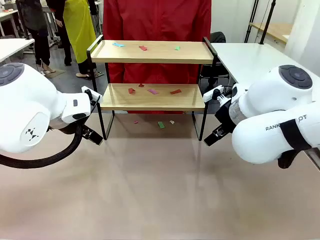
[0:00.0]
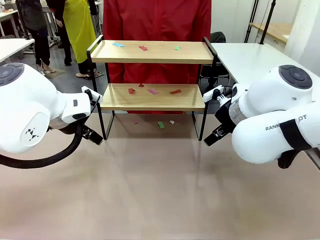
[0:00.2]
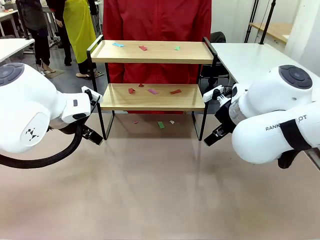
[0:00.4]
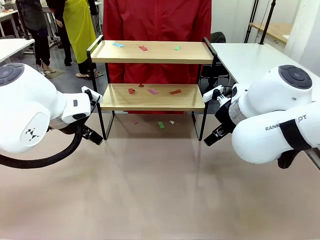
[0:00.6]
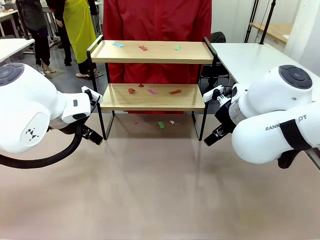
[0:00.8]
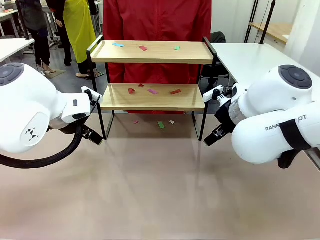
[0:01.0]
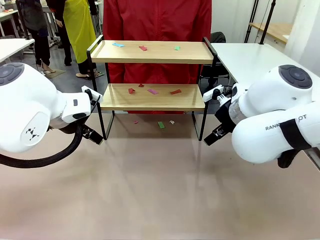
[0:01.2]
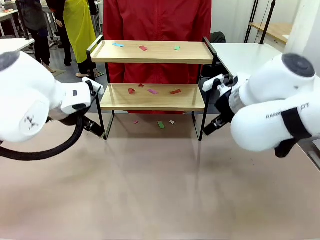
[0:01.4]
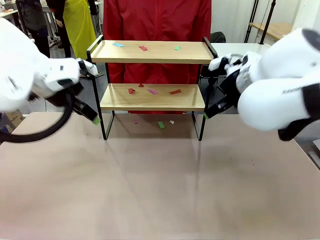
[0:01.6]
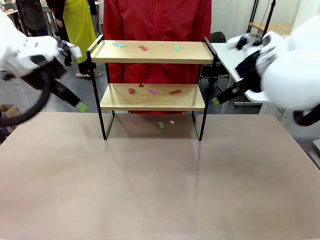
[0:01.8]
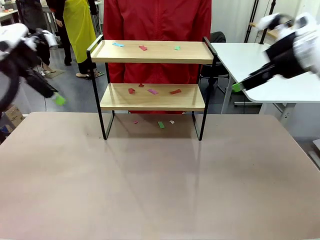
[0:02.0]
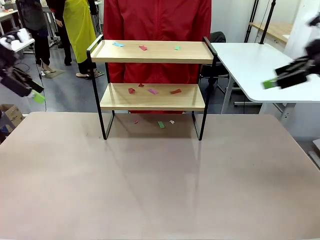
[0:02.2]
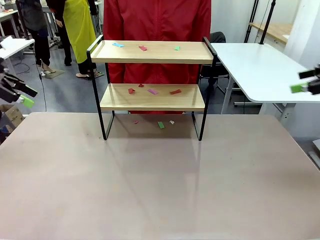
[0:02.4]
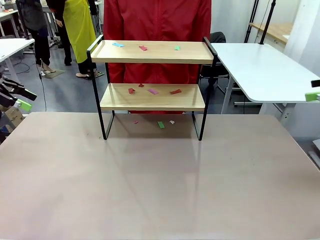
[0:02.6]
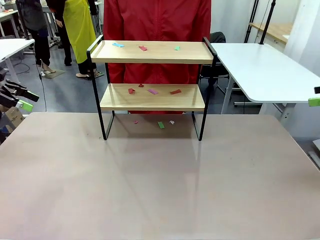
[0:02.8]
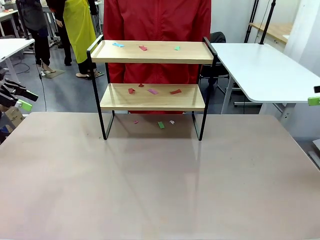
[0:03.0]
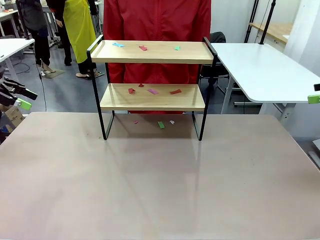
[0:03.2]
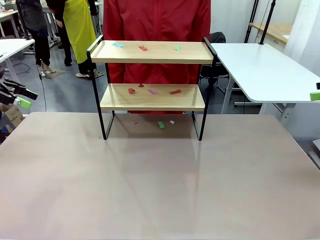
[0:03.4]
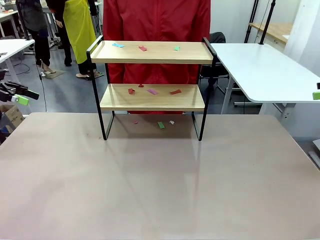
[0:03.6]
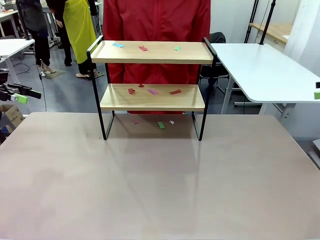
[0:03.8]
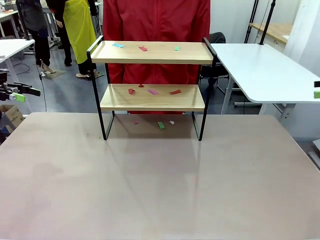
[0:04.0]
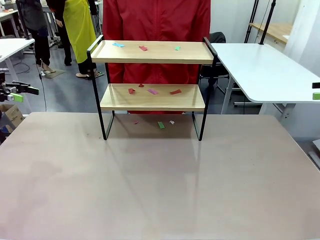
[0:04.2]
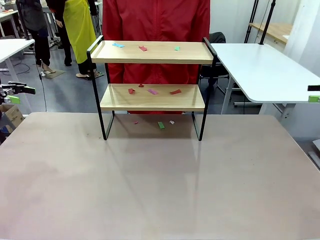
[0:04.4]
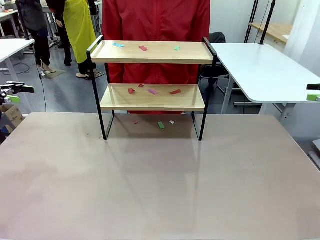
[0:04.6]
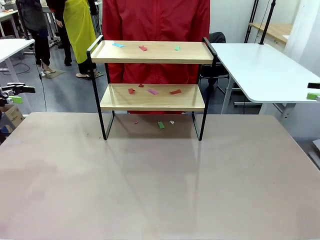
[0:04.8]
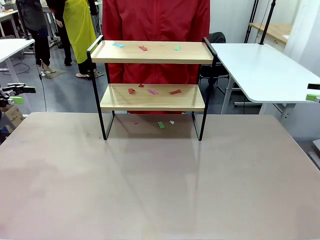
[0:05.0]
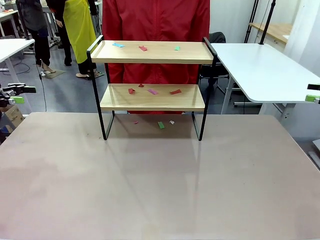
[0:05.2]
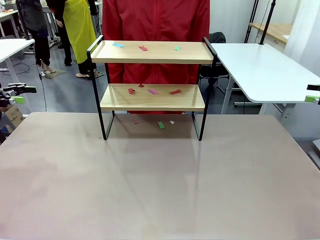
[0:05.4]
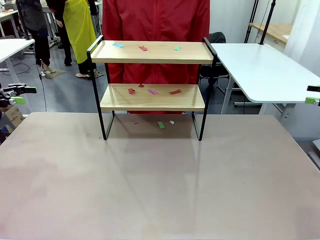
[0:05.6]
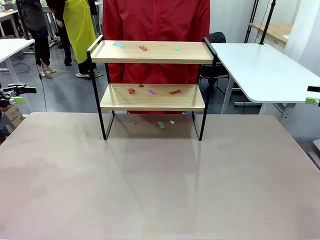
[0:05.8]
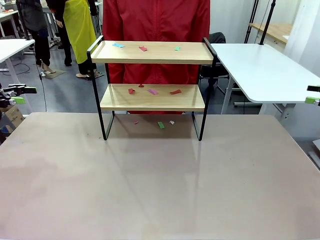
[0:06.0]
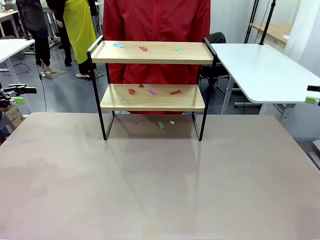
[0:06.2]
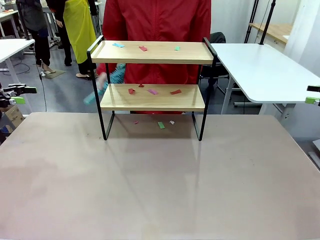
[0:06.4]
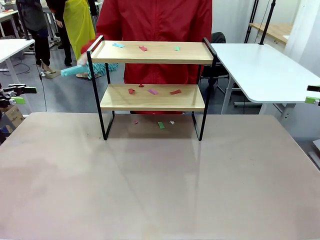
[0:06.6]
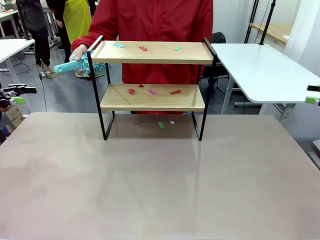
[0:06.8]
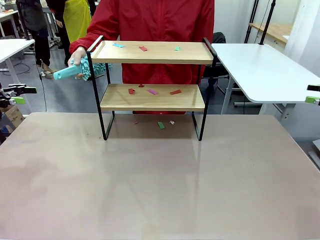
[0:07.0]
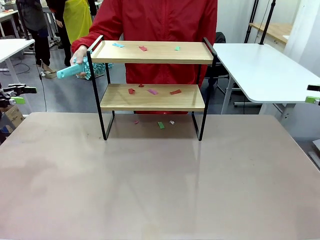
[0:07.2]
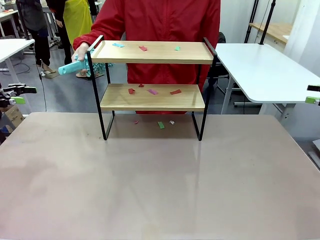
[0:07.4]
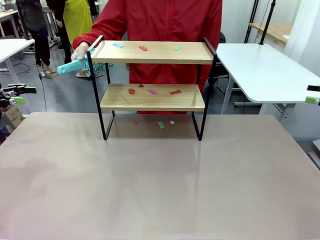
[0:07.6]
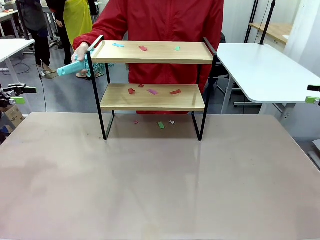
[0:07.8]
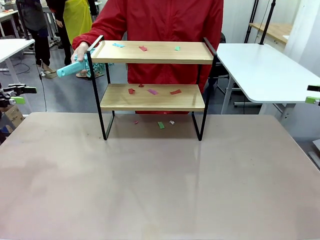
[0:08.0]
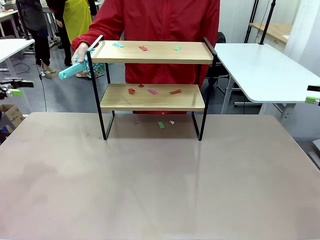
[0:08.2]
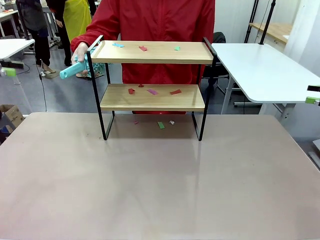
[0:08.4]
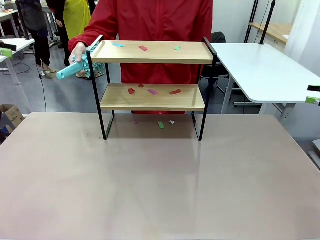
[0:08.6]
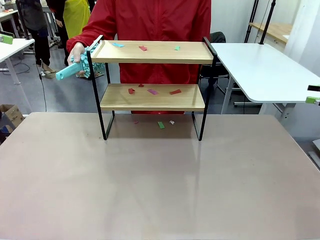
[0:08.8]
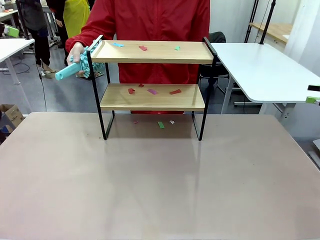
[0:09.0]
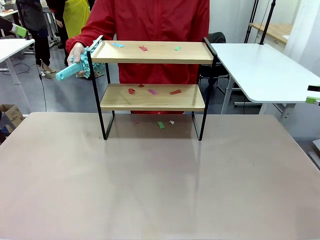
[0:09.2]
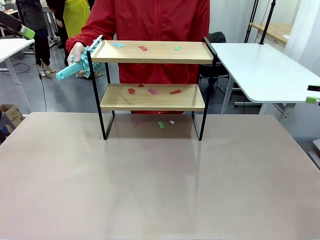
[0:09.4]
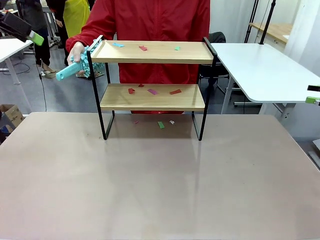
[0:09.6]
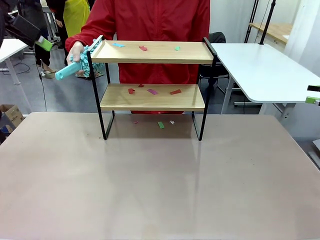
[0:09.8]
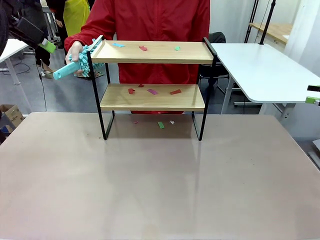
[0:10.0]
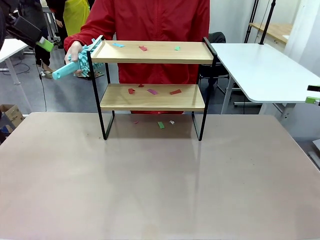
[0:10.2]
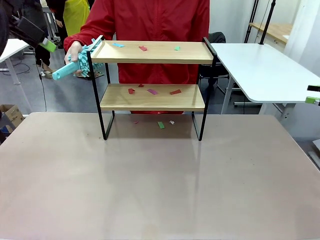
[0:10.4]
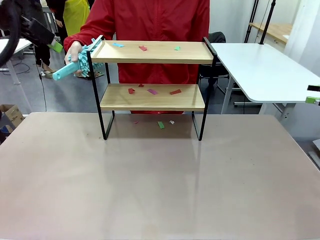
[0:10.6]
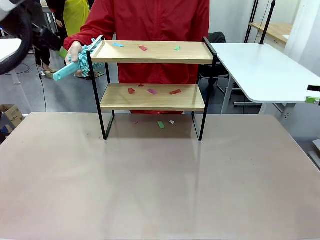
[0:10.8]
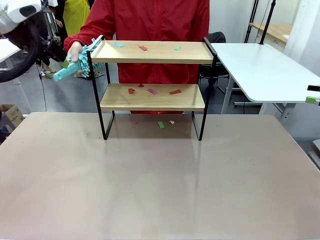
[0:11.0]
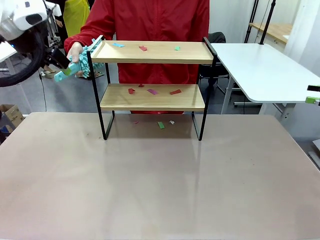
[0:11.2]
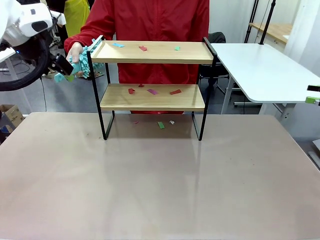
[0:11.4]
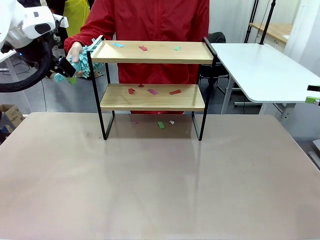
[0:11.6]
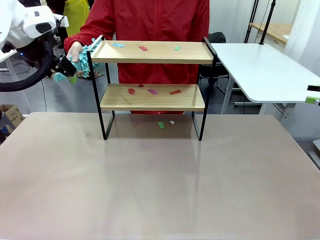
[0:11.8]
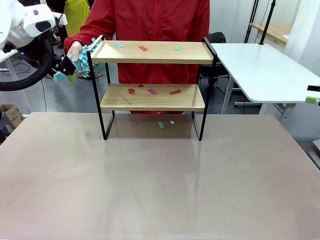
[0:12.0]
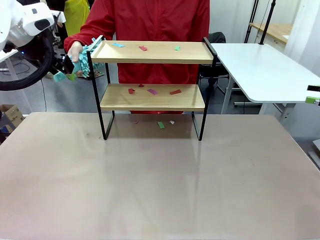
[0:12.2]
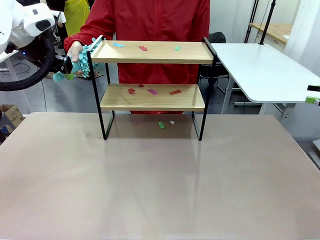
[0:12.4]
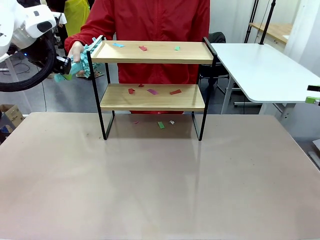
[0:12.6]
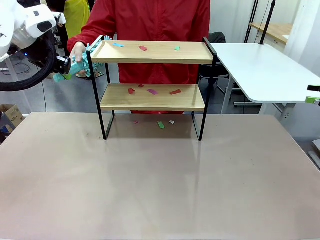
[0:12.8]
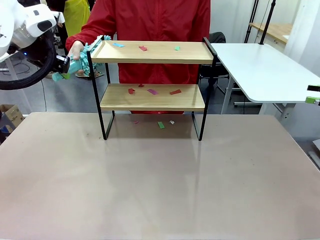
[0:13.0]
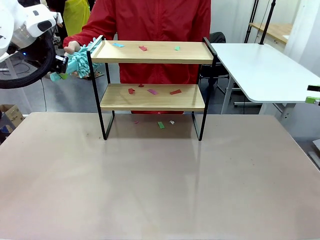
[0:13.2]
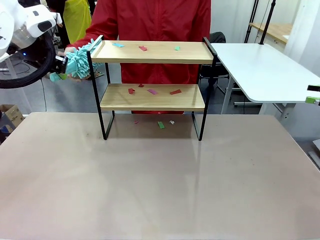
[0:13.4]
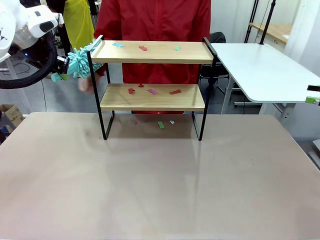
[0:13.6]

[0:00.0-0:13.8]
Task: Clean the shelf.
Robot: Pick up the Duster handed by the human.
Person: Hand the Duster to the robot.

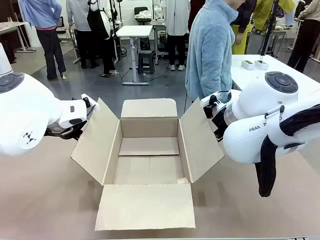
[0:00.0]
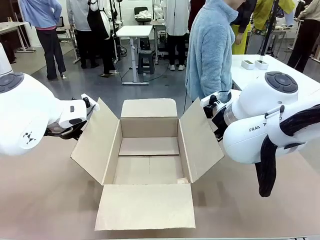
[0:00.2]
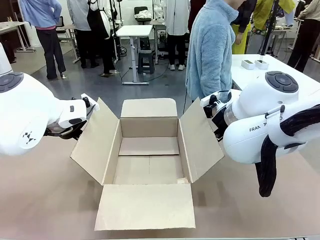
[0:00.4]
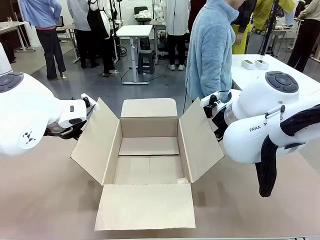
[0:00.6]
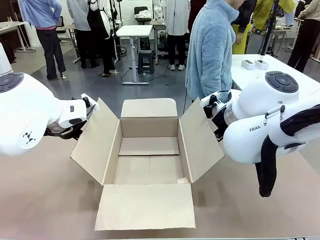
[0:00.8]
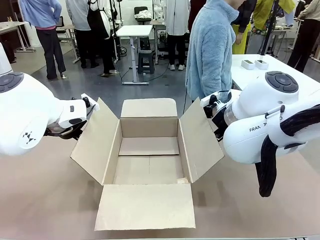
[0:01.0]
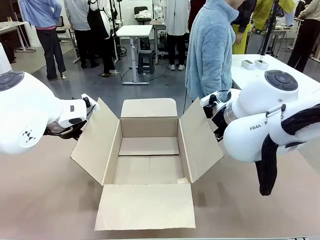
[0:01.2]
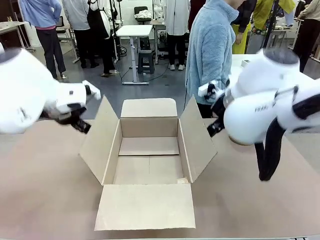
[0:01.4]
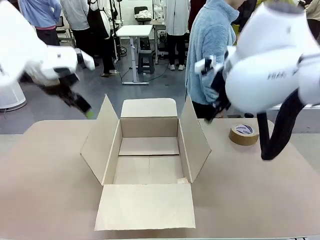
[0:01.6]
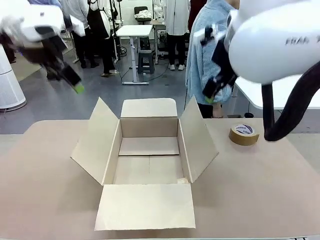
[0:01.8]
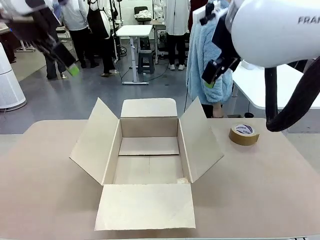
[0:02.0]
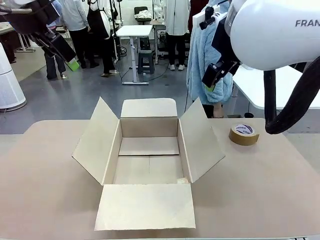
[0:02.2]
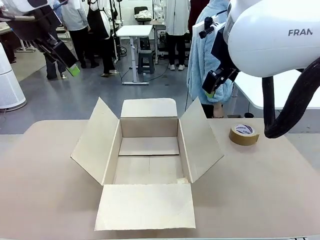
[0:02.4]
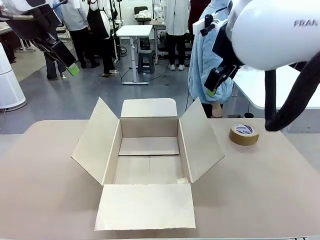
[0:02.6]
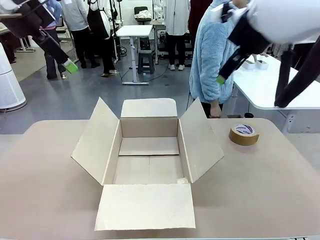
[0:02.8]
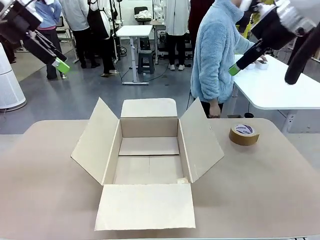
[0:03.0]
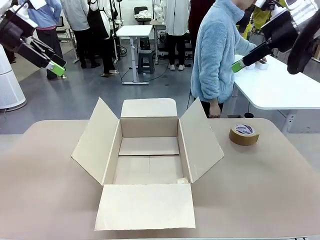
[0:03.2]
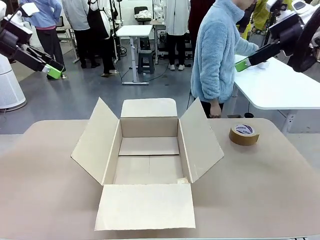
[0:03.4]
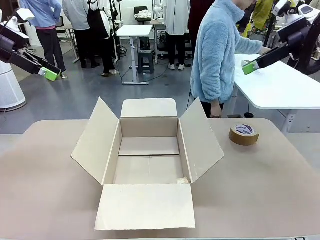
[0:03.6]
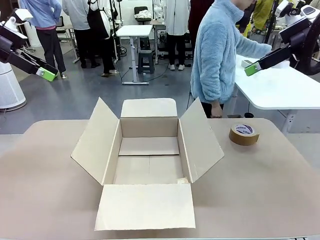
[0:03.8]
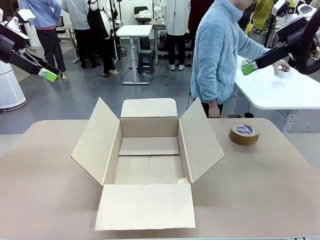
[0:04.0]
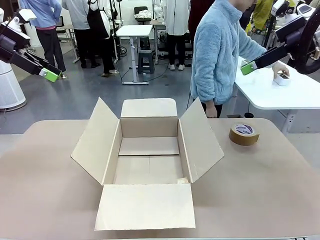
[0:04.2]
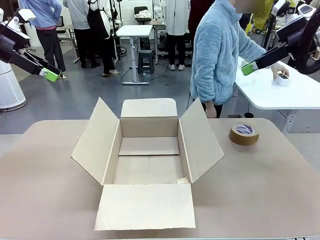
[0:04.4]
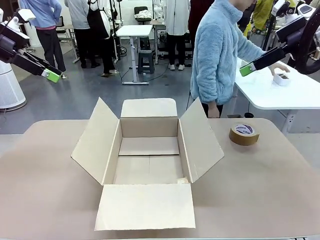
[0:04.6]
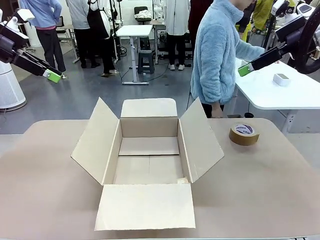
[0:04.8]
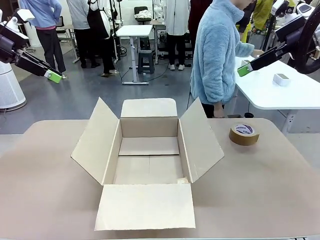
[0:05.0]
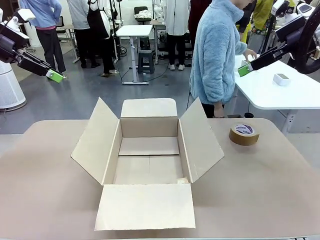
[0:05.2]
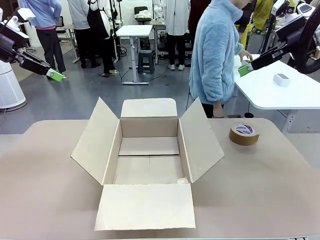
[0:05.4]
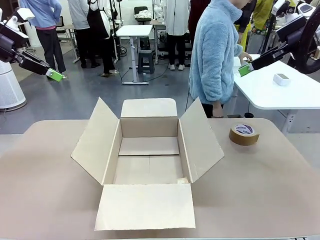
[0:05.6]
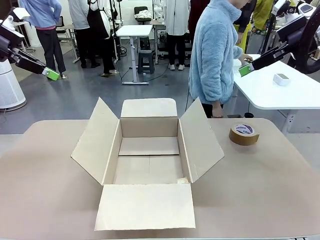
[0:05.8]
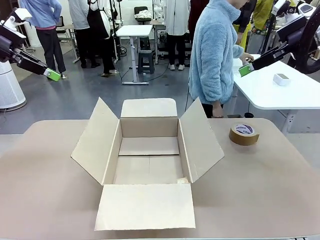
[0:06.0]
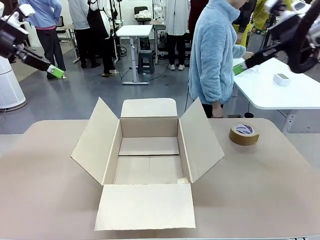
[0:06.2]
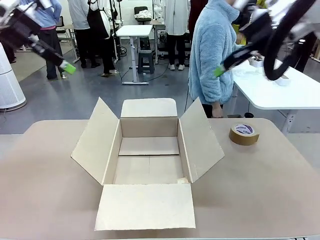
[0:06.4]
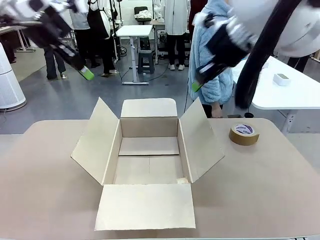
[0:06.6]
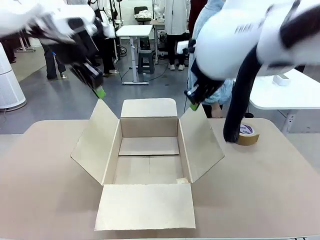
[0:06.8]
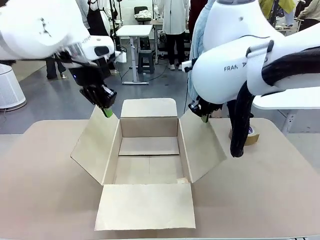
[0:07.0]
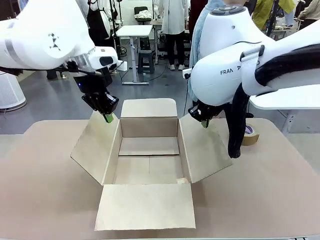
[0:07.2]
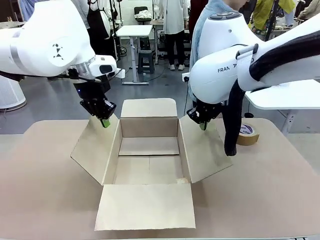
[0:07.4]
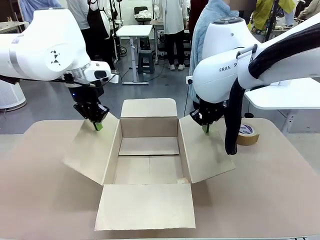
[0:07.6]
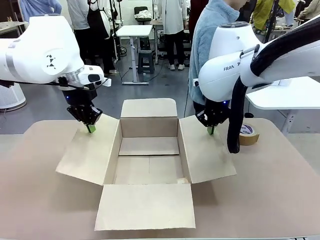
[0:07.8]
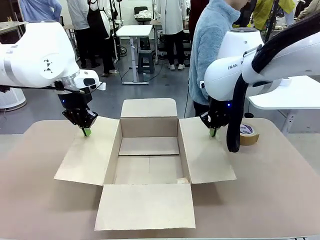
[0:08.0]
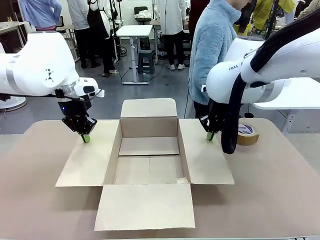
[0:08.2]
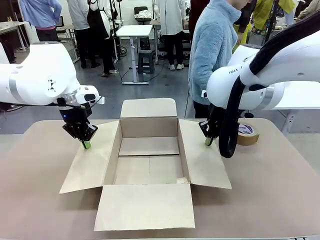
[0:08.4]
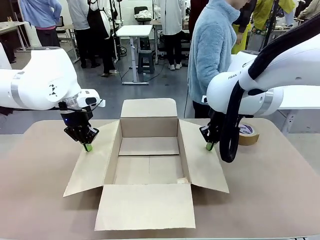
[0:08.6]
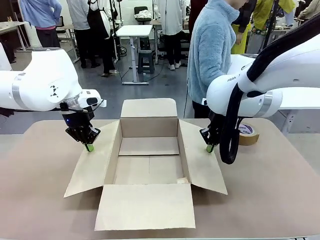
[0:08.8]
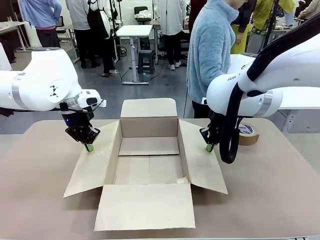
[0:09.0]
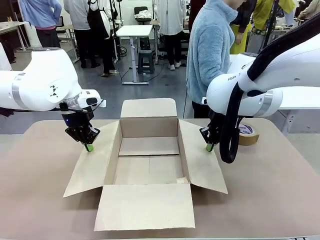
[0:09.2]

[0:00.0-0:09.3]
Task: Wrap the clocks to prevent damage.
Robot: Open the side flaps of the Package Box.
